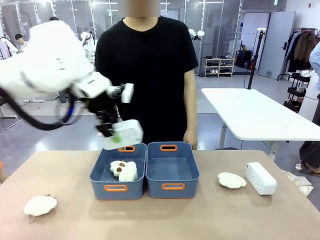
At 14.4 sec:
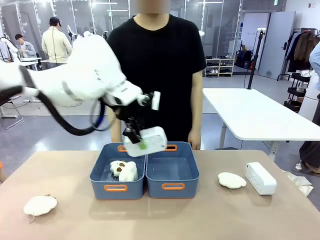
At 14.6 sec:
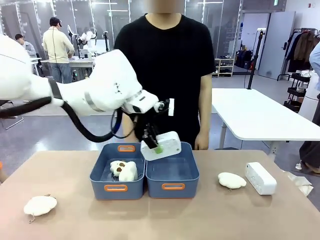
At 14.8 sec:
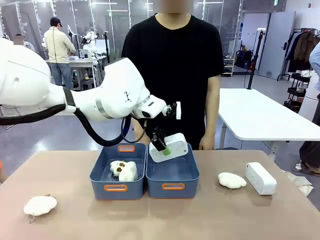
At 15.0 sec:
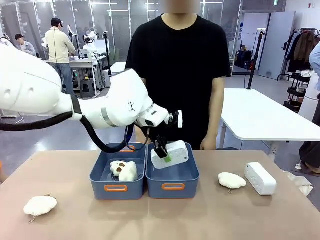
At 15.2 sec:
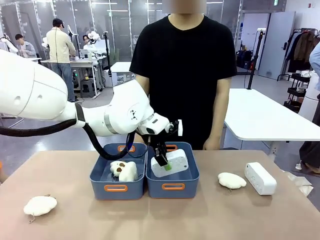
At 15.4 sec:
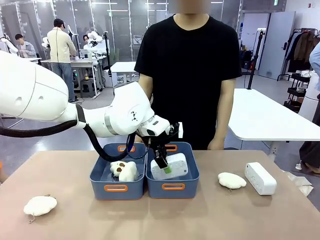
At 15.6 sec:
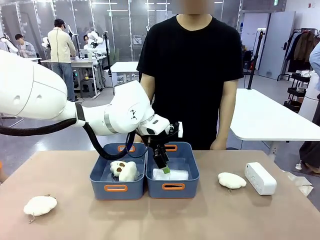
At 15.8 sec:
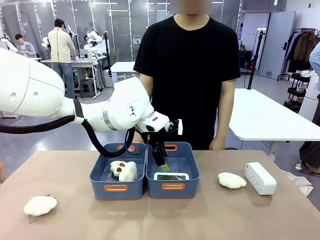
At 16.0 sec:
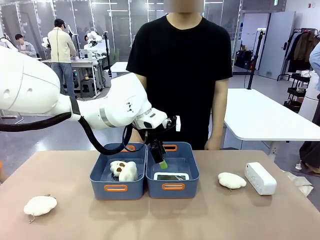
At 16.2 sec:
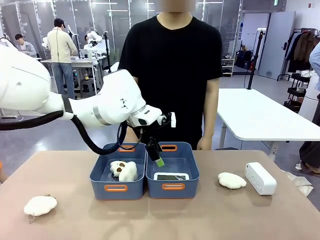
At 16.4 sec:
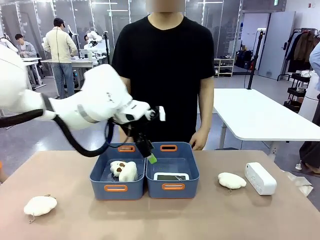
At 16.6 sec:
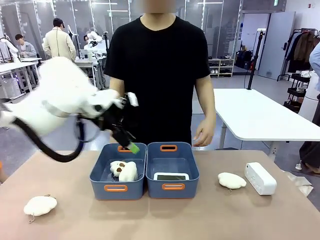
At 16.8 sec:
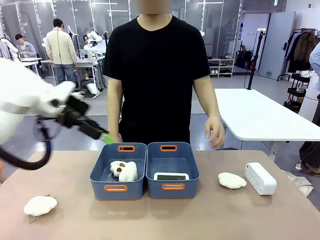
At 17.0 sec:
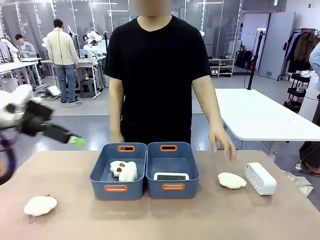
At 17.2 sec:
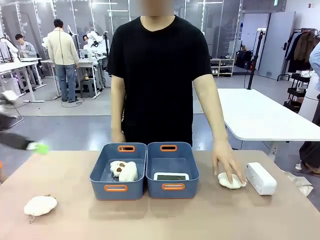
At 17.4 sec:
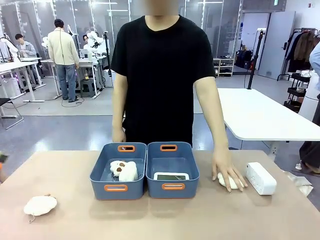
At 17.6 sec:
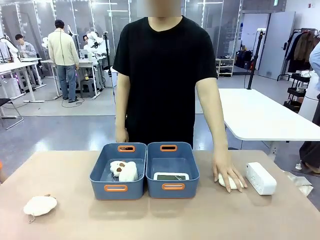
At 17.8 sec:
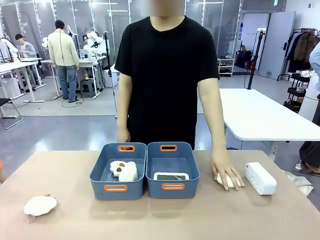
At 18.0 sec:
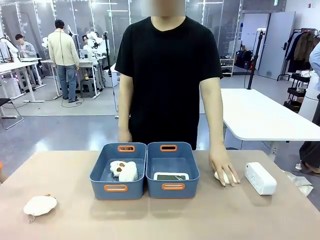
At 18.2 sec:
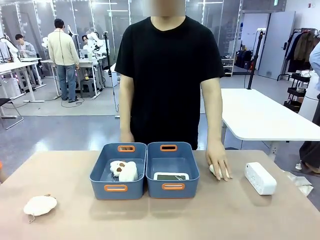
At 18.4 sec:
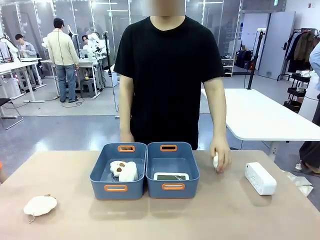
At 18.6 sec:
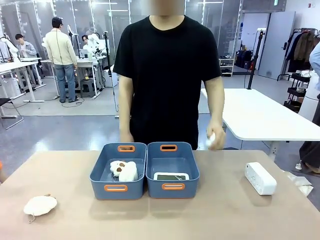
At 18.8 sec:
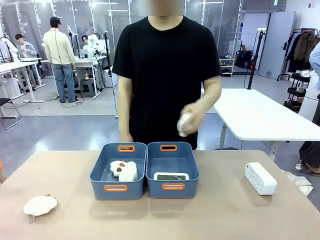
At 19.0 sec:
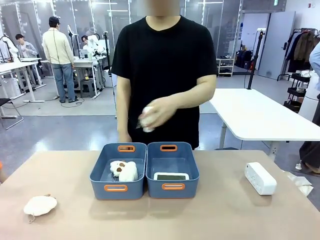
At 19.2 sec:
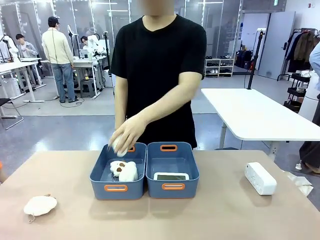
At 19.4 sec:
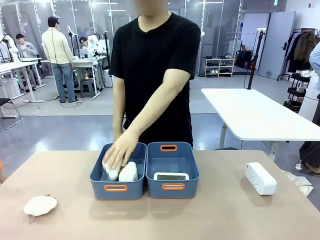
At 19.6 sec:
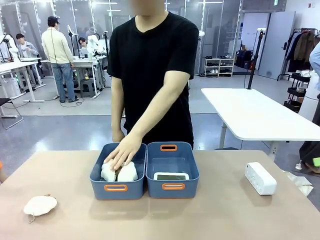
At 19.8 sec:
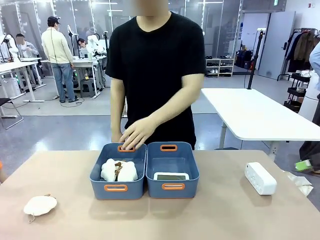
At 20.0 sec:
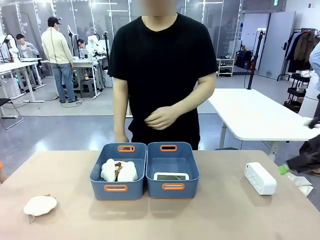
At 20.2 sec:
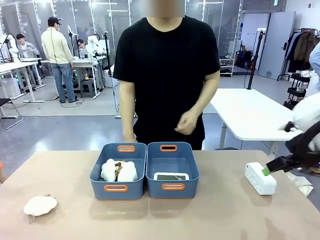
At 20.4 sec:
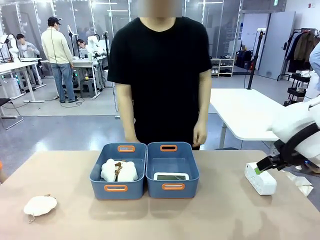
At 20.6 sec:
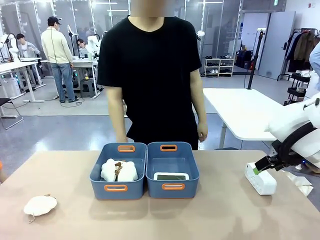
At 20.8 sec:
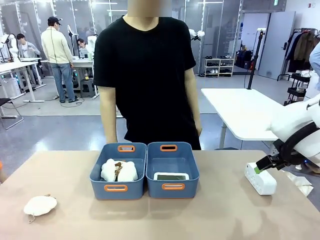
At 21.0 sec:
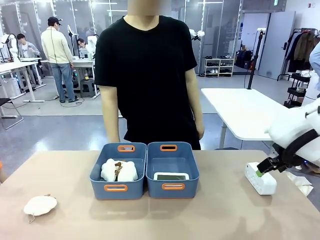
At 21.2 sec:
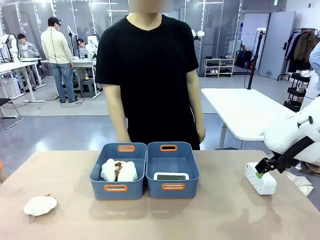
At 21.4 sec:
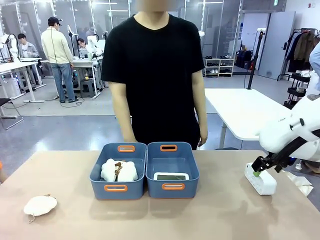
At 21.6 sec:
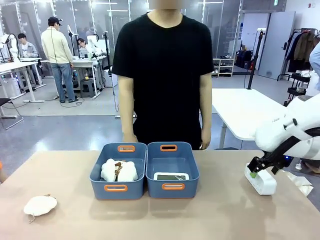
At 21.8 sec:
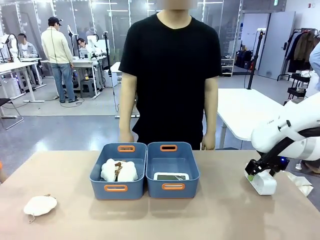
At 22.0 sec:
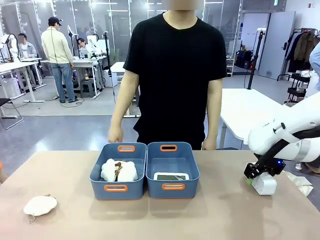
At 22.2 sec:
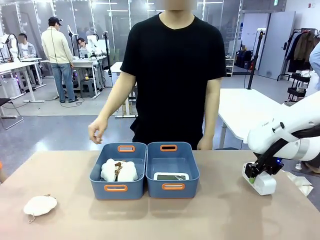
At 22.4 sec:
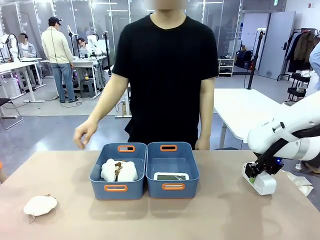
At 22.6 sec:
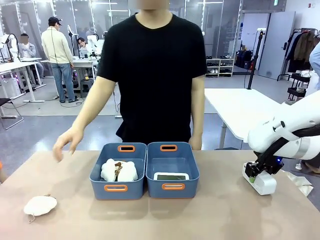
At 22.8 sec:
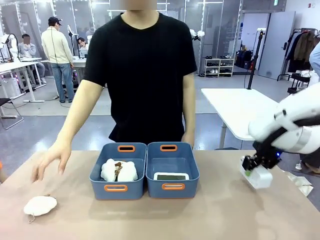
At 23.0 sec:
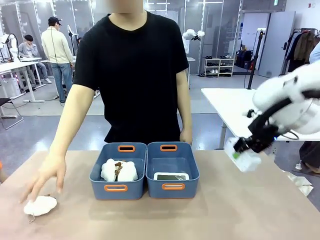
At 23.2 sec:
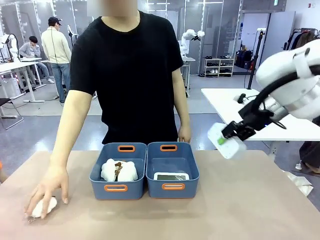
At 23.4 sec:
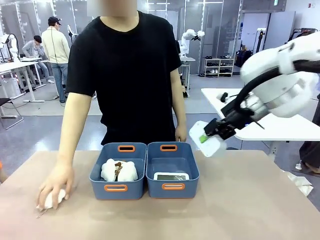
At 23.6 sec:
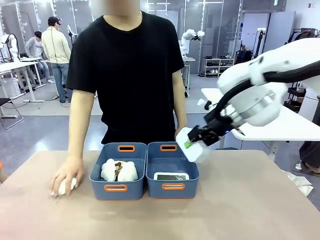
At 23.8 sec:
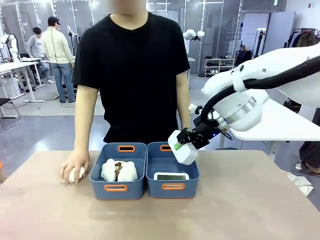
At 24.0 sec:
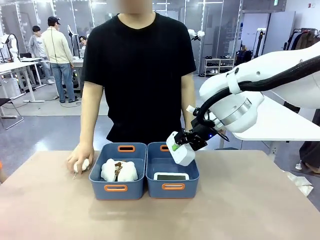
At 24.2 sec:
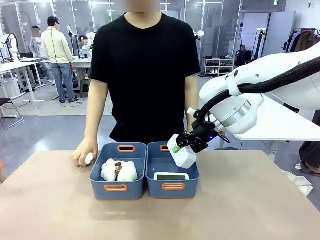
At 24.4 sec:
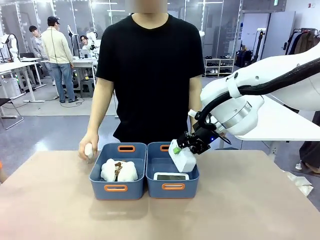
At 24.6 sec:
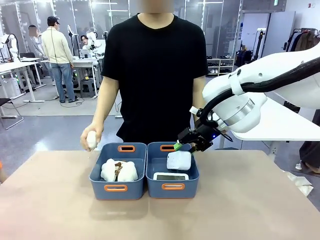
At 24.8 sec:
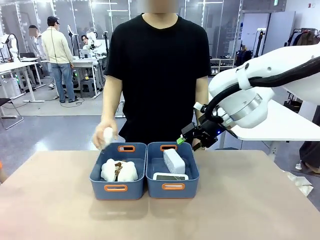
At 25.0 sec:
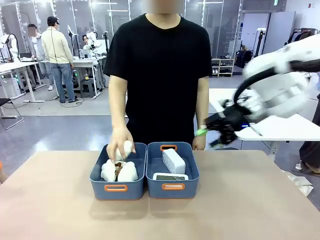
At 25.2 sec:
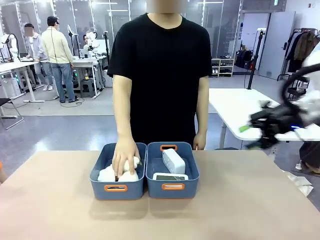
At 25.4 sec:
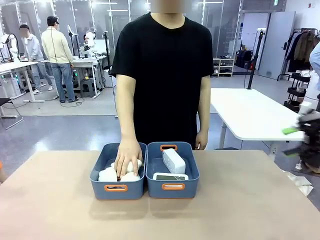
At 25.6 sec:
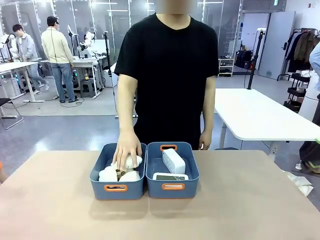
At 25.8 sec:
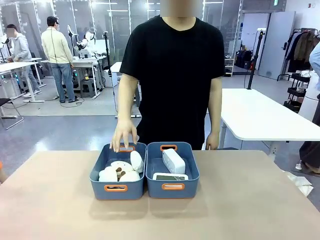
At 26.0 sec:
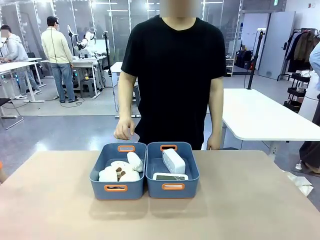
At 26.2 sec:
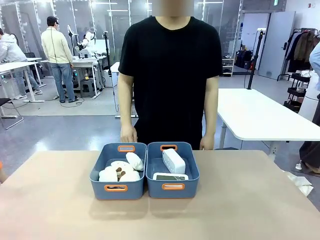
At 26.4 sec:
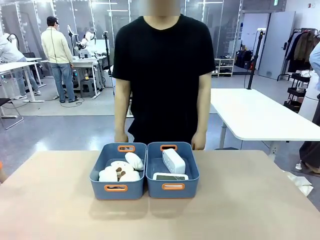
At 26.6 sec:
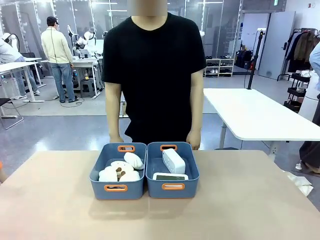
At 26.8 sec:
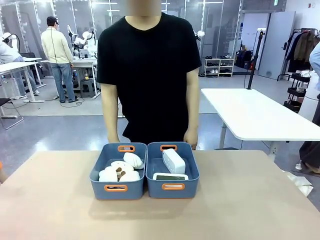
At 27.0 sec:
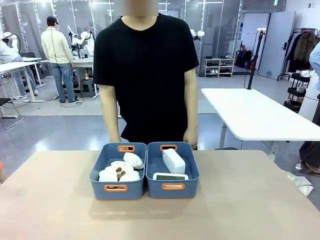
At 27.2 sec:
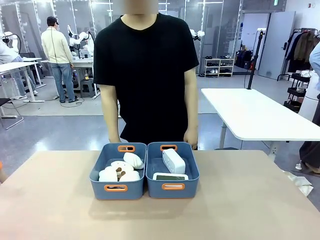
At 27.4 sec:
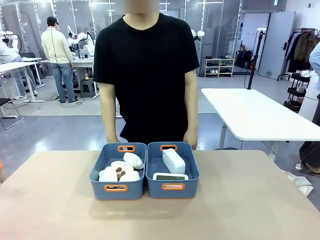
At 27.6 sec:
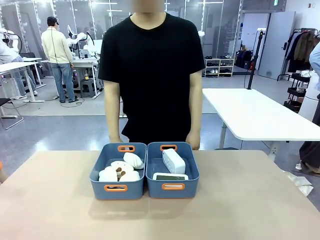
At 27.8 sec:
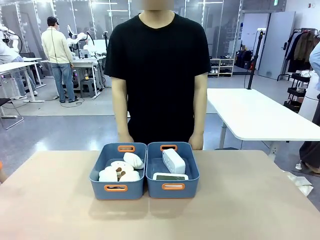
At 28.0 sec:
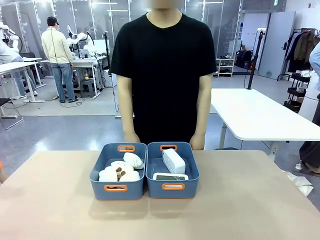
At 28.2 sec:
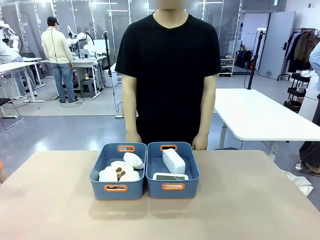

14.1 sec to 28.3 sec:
Task: Sort the digital clocks into the basket.
Robot: Pick up the Digital clock from the table and place it into the empty Plastic storage basket.
Person: Pick up a plush toy from the table and place it in the plastic storage basket containing the plush toy.
